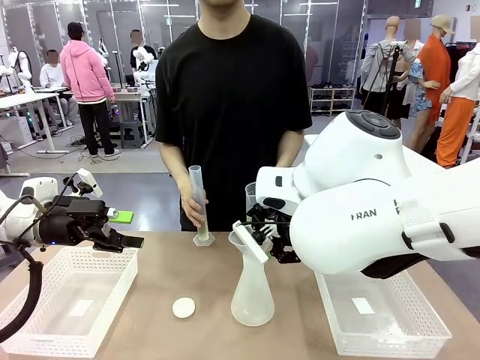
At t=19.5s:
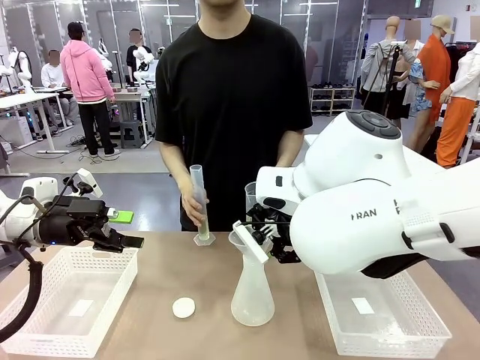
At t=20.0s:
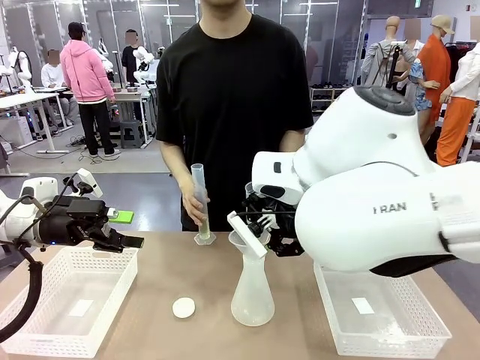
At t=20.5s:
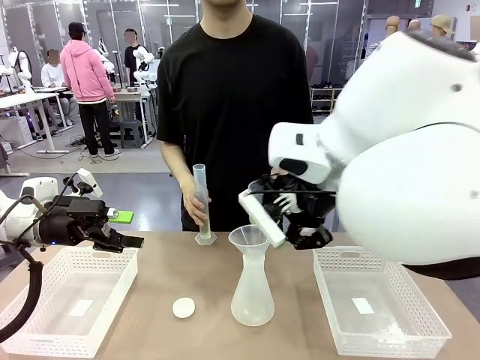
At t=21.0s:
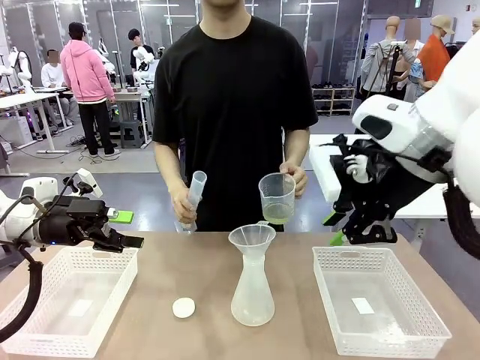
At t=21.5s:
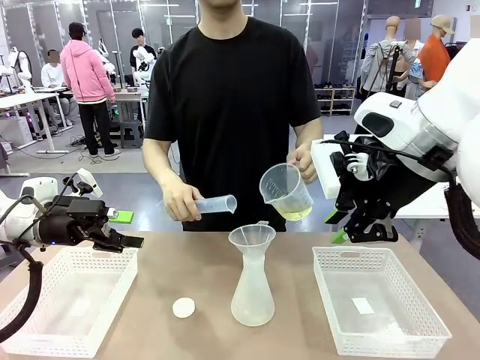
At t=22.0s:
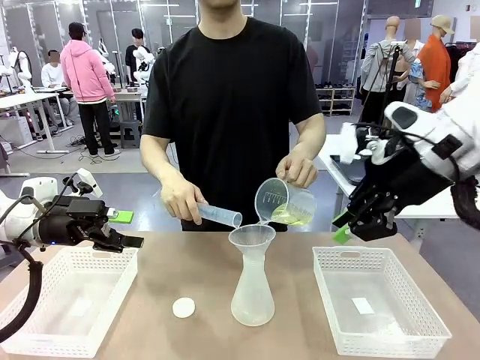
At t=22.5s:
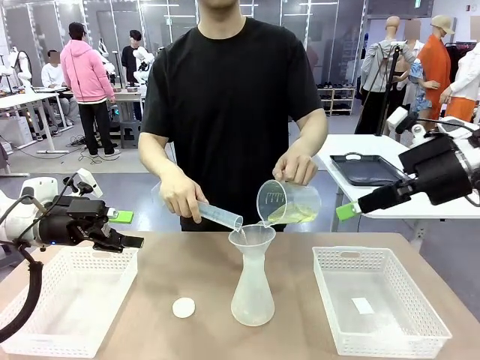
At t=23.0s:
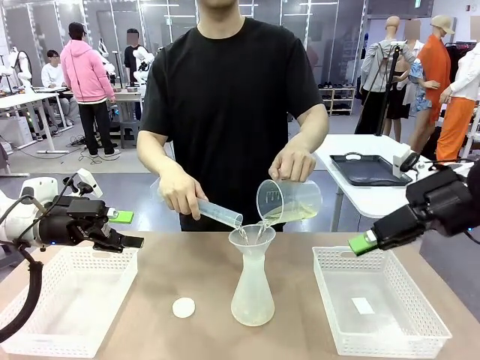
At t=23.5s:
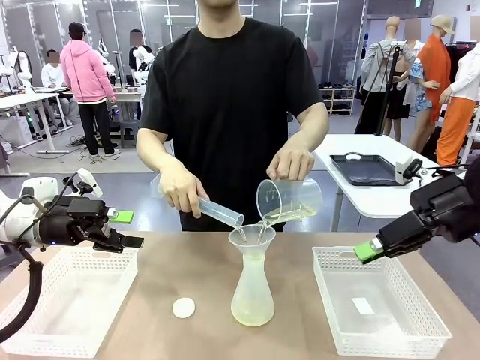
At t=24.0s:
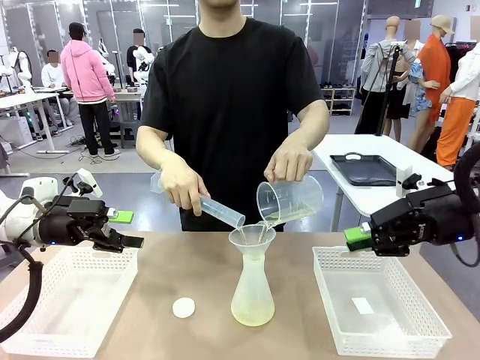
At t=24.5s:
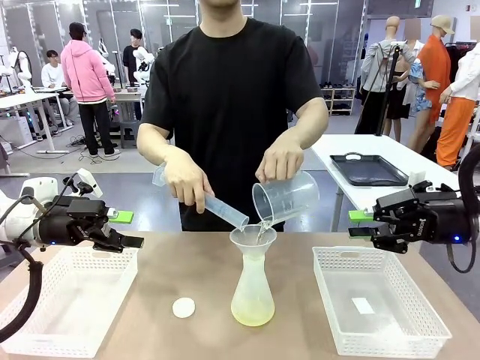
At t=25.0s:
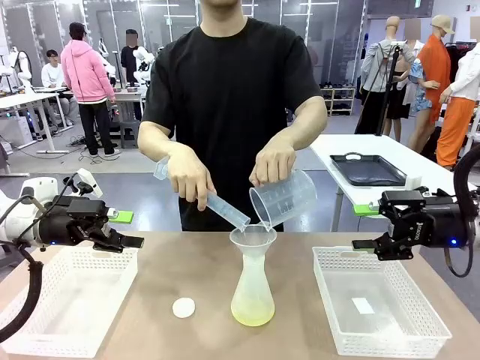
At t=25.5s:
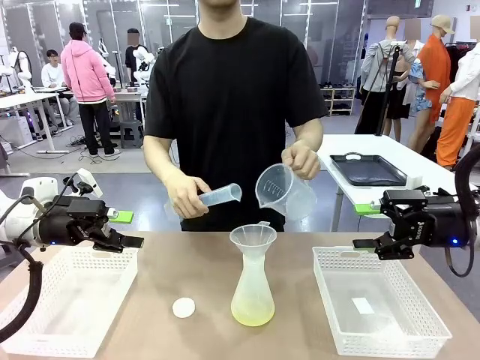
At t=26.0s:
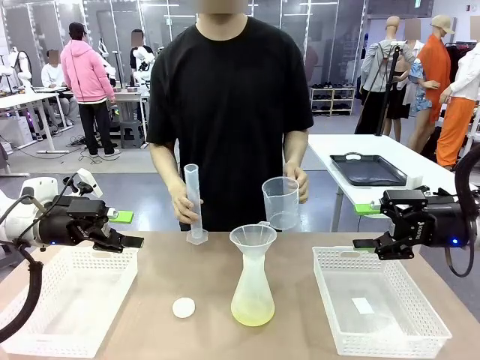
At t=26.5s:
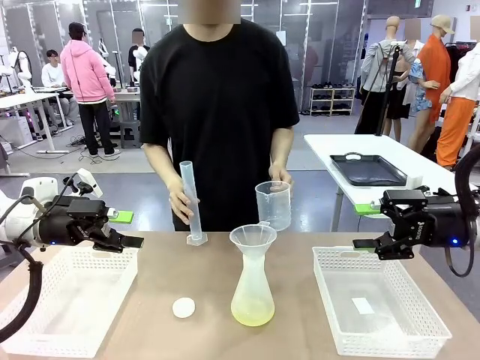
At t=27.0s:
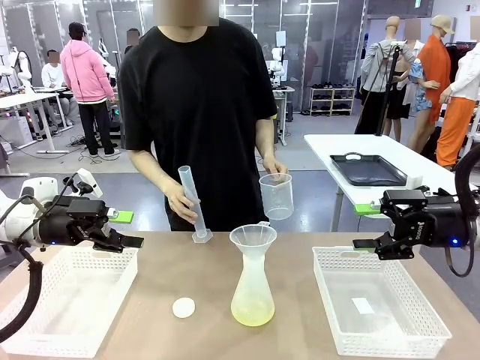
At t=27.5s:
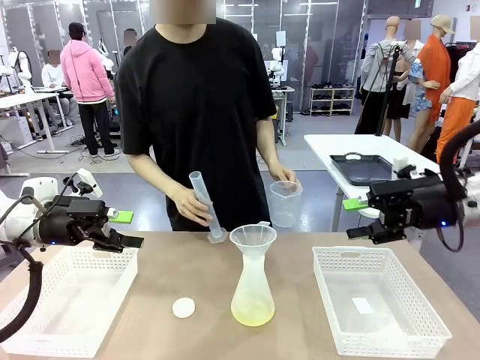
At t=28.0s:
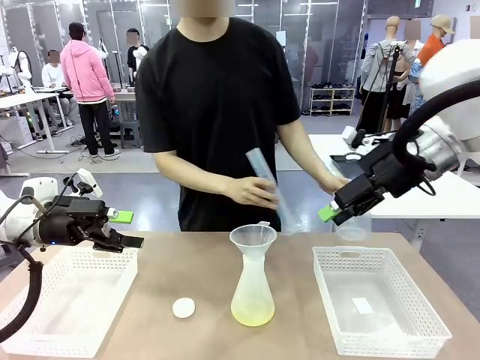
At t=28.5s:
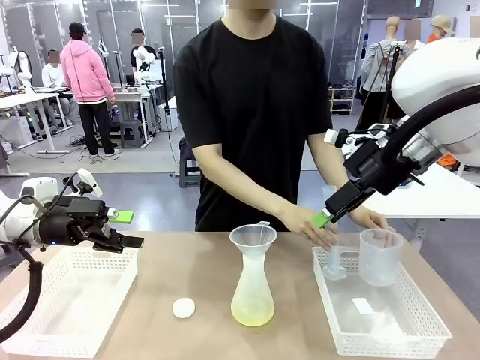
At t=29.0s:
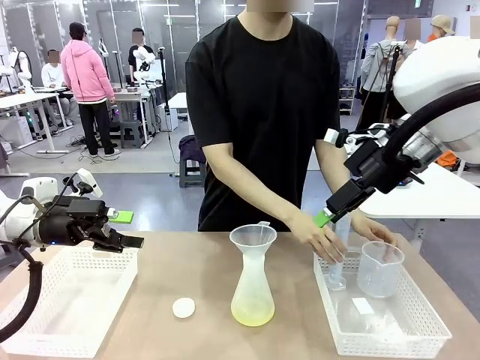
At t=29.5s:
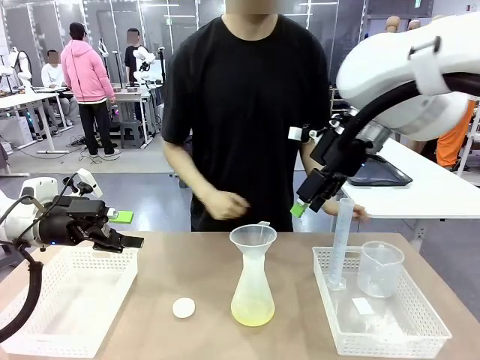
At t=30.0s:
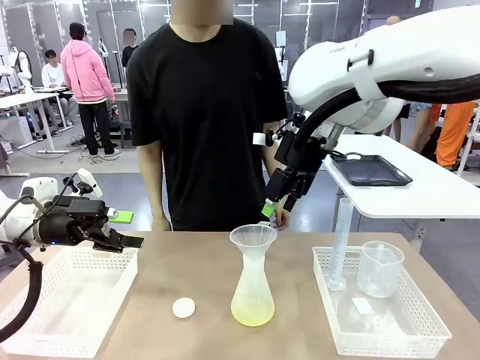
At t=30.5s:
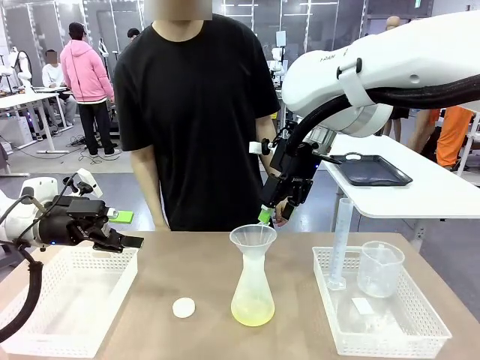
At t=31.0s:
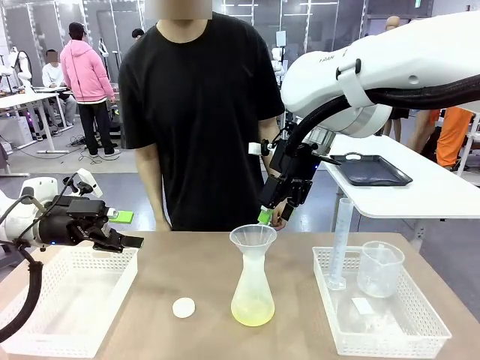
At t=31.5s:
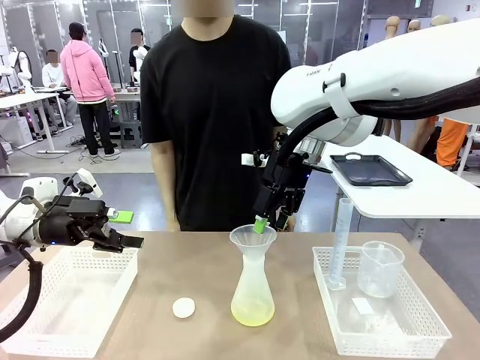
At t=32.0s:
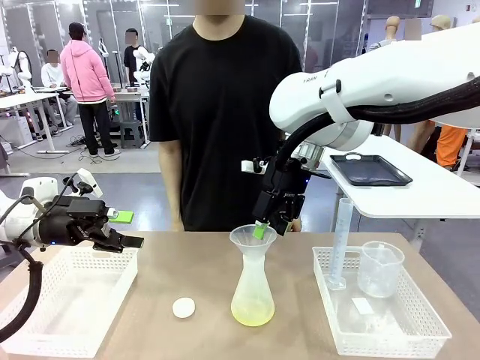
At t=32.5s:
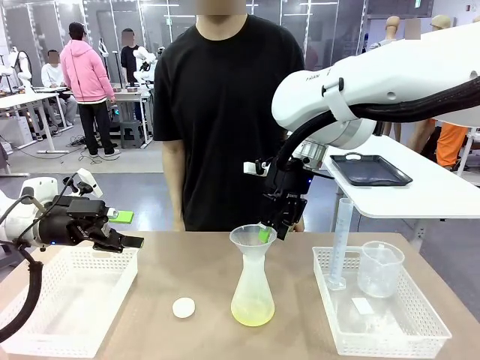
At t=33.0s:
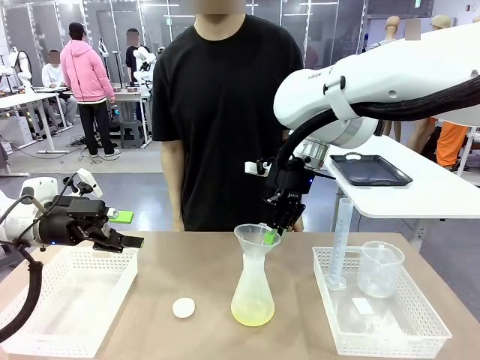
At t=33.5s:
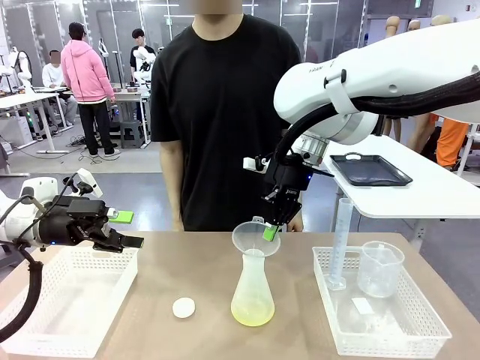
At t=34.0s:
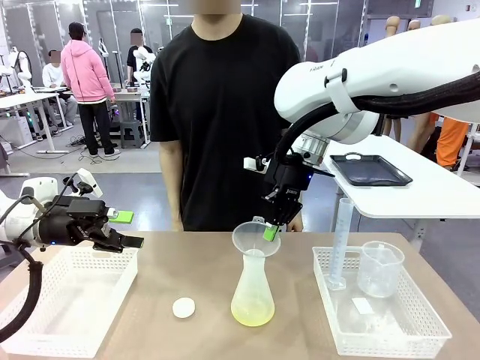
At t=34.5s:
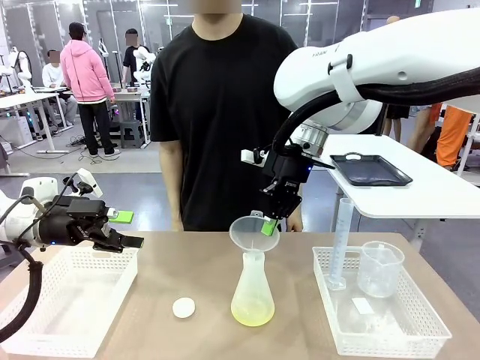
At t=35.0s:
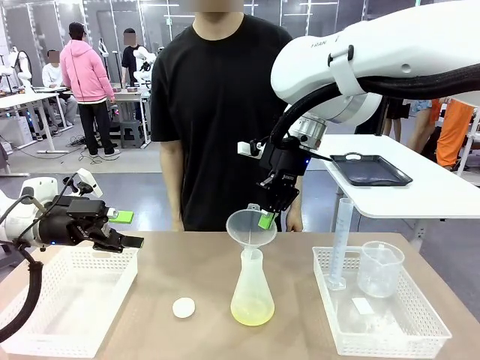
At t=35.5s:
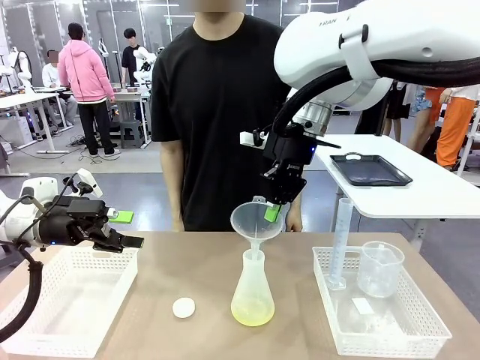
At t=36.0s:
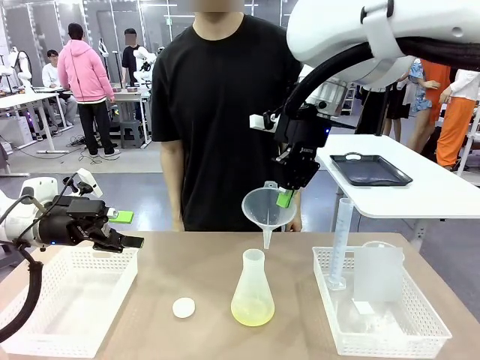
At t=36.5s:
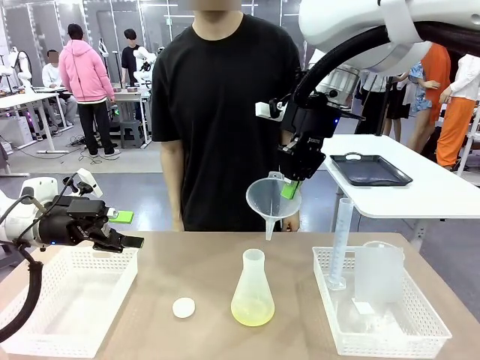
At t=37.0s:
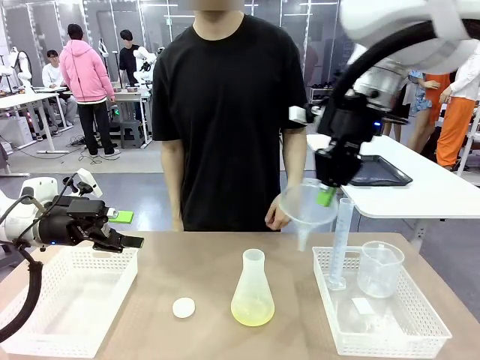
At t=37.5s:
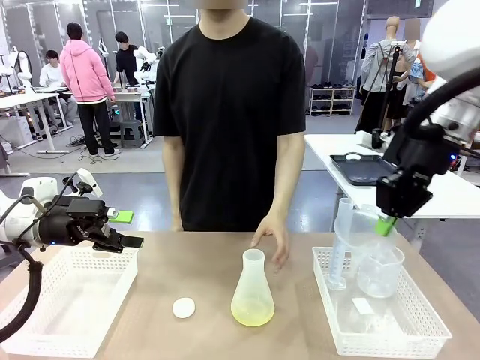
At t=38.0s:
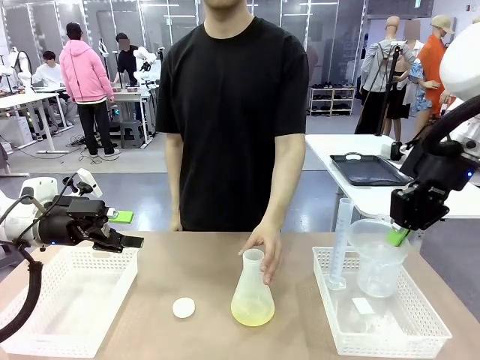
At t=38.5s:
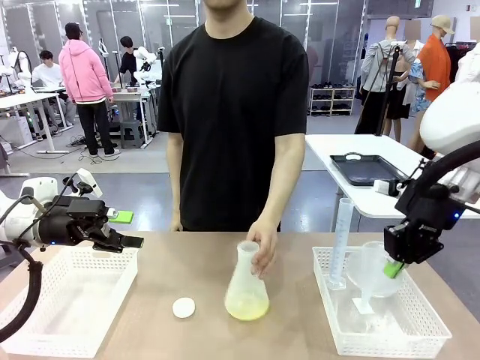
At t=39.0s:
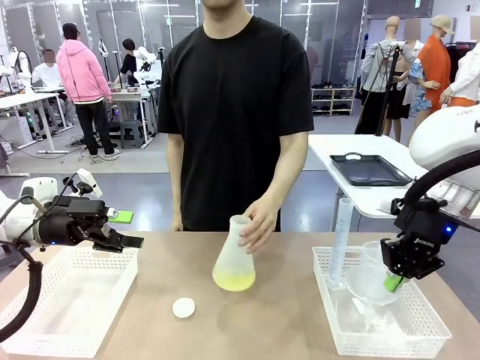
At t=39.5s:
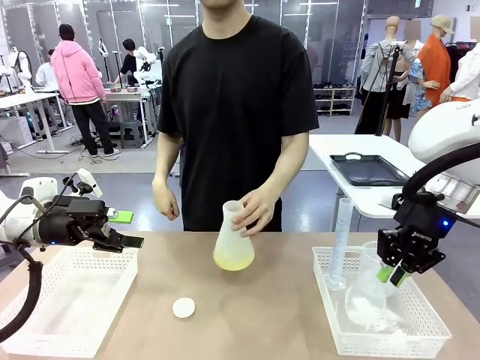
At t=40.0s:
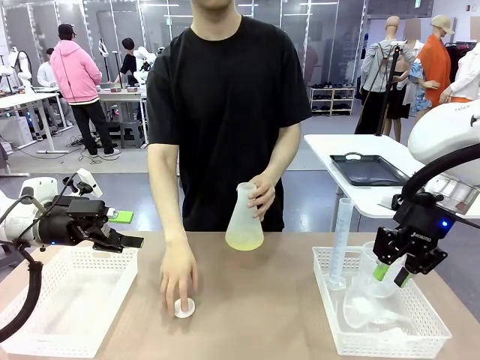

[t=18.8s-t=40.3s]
Task: Prepare the solutions needed for the experiment.
Robot: Once the solution is in the Big flask , pick up the Plastic Funnel and place it back into the right Organizing basket.
Person: Place the beaker and the cylinder into the organizing basket on the left side. Pick up the flask, gently shake it 2–3 times, place it in the middle of the robot table, and close the lid.
